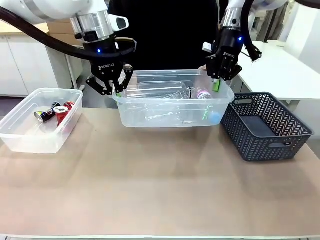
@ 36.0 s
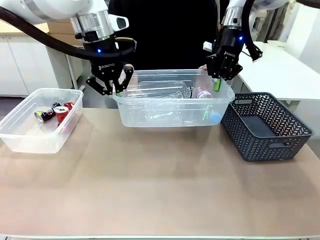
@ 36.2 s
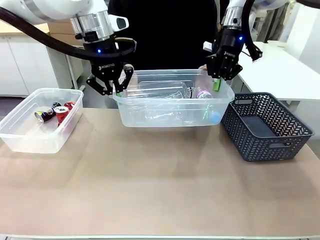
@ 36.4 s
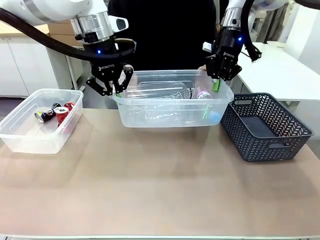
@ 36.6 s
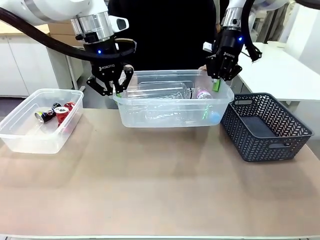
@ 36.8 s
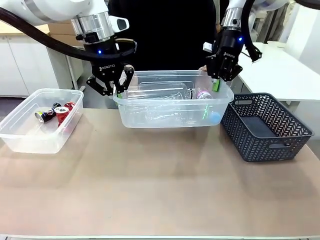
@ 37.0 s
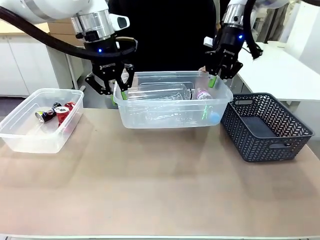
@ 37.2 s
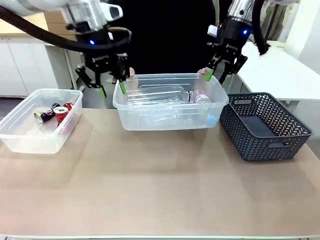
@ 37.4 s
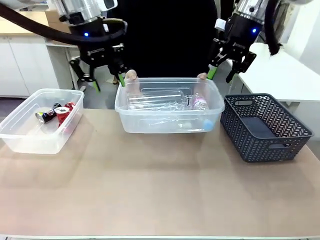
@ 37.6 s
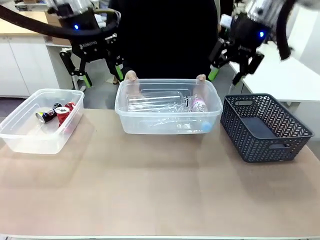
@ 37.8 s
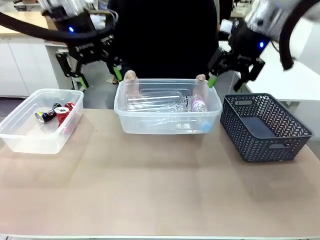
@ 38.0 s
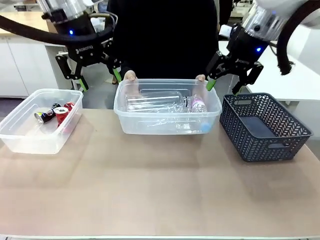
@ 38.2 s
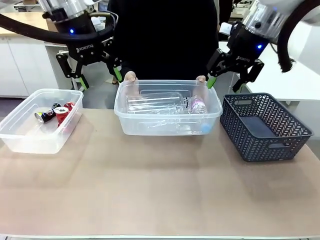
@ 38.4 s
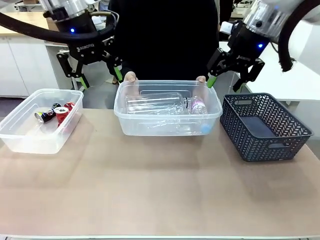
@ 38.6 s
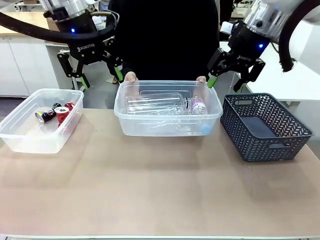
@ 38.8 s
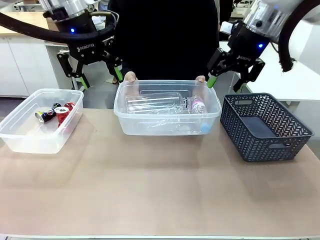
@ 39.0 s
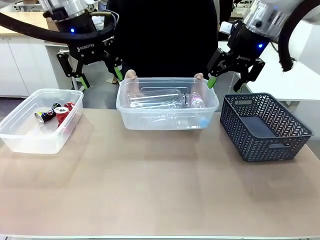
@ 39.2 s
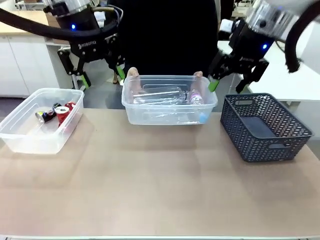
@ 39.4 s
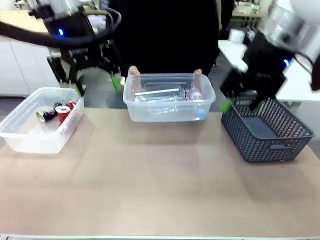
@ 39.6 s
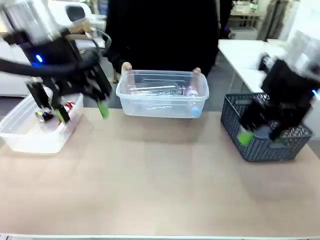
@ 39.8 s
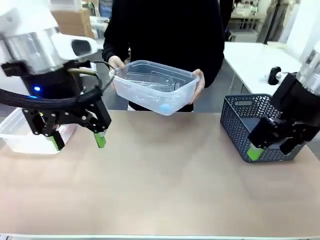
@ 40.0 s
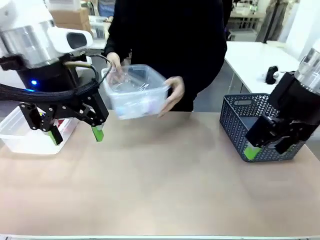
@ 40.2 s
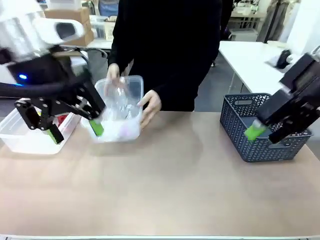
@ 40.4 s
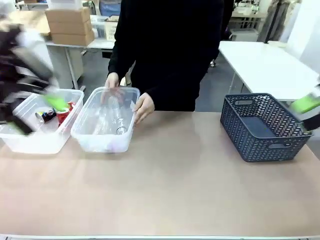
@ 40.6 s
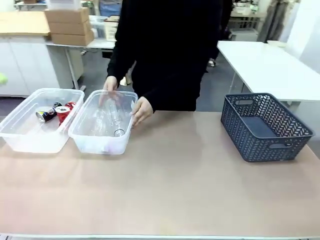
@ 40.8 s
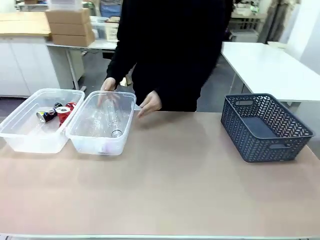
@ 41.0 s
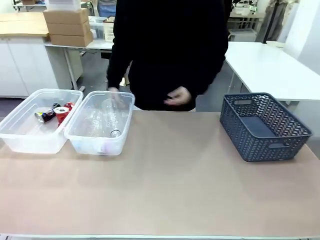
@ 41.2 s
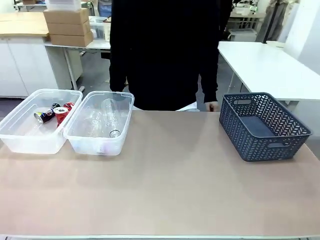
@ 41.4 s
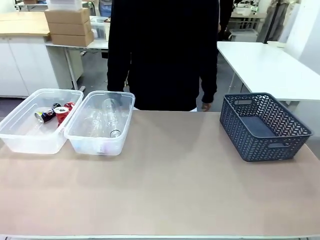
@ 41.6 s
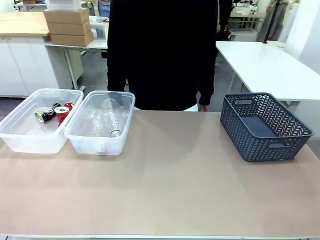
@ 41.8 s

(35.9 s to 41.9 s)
Robot: Release the Organizing box you were holding.
Person: Pick up the organizing box extended by the robot. Place the organizing box to the left of the sorting box containing the can waste.

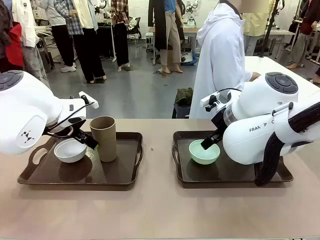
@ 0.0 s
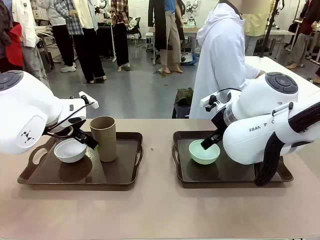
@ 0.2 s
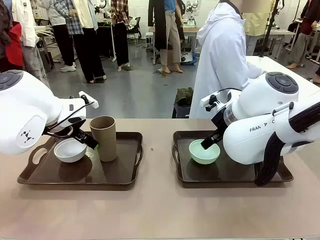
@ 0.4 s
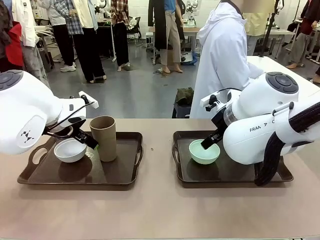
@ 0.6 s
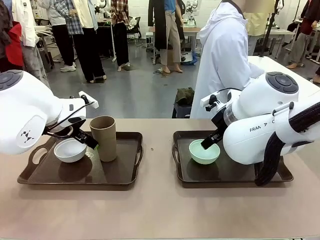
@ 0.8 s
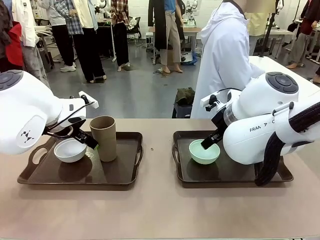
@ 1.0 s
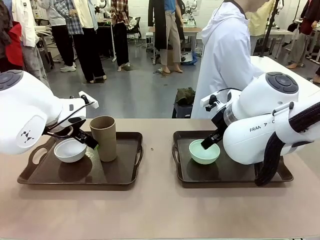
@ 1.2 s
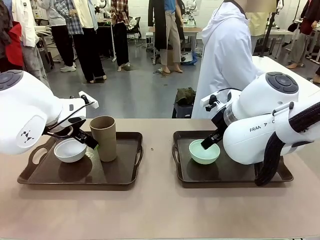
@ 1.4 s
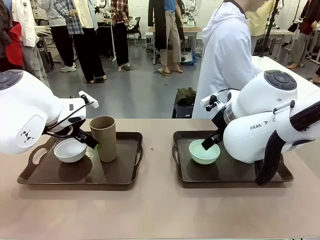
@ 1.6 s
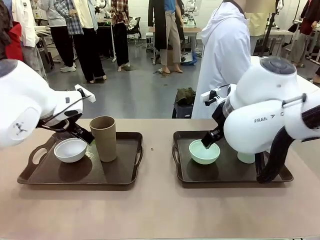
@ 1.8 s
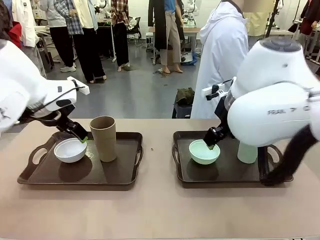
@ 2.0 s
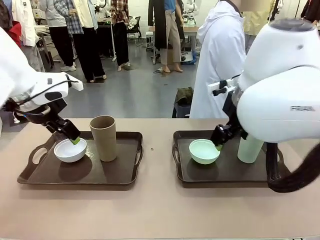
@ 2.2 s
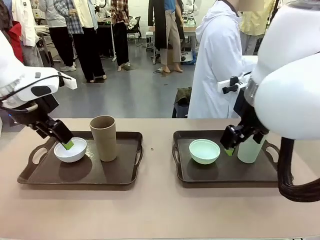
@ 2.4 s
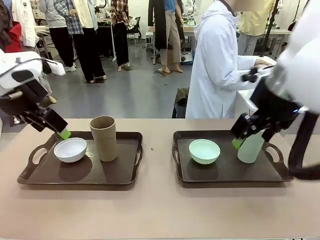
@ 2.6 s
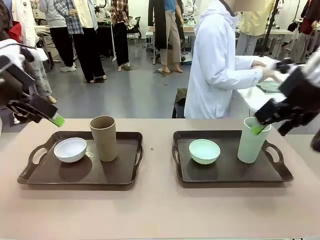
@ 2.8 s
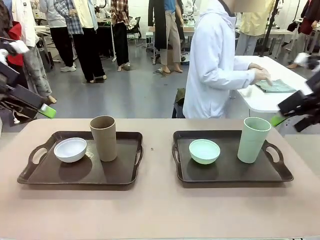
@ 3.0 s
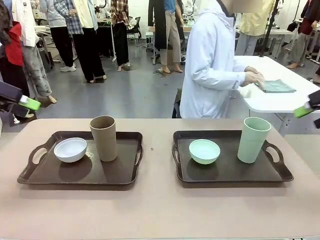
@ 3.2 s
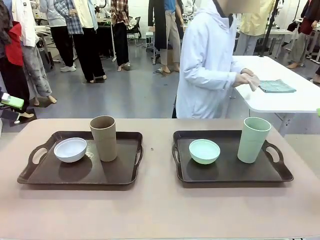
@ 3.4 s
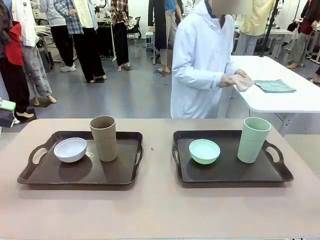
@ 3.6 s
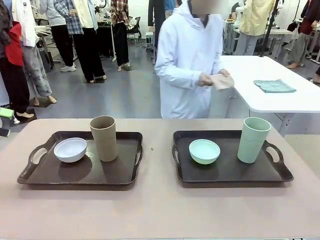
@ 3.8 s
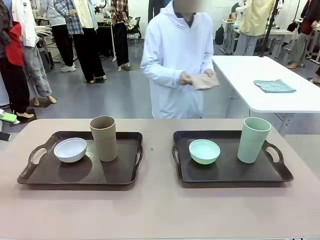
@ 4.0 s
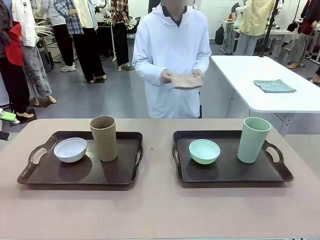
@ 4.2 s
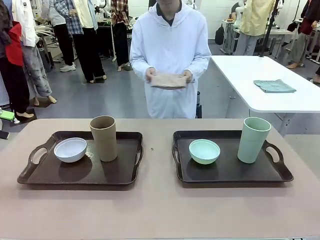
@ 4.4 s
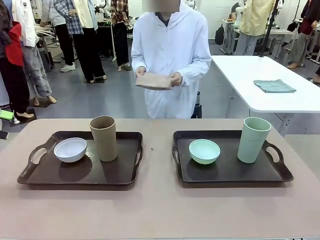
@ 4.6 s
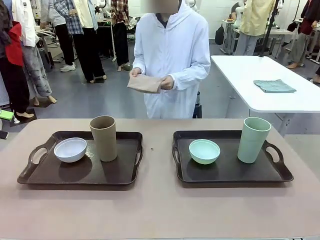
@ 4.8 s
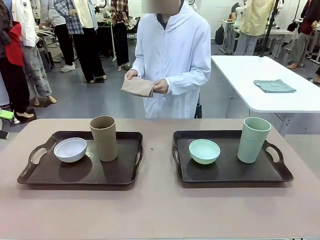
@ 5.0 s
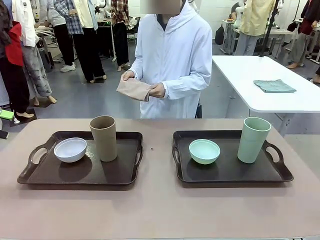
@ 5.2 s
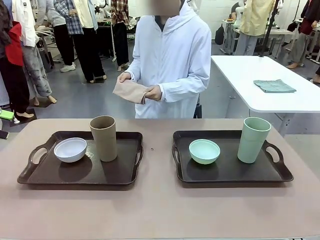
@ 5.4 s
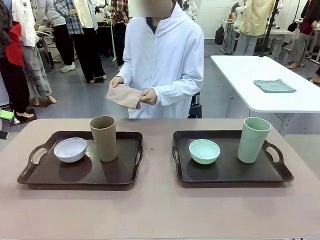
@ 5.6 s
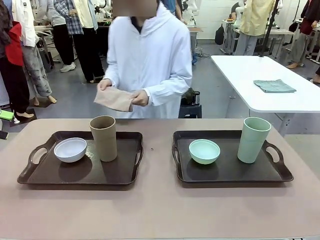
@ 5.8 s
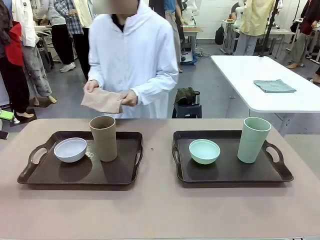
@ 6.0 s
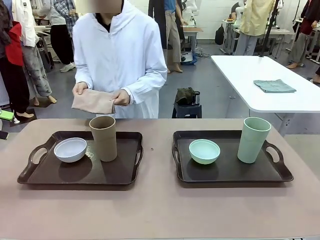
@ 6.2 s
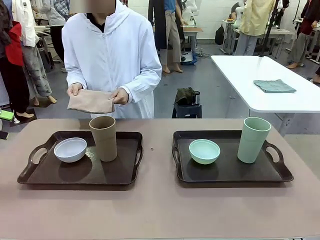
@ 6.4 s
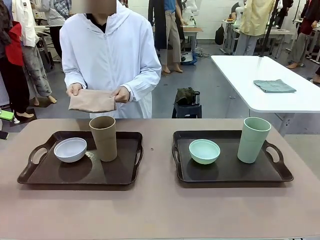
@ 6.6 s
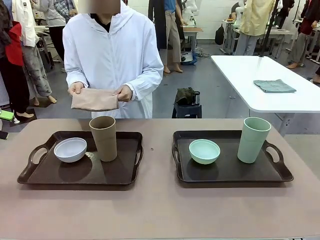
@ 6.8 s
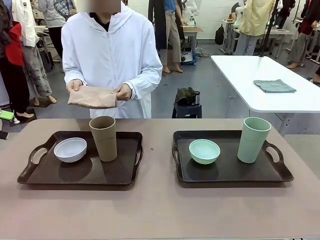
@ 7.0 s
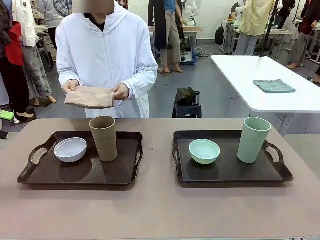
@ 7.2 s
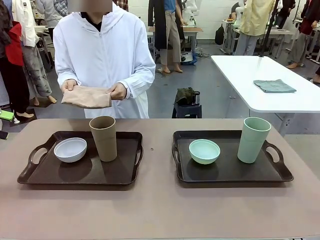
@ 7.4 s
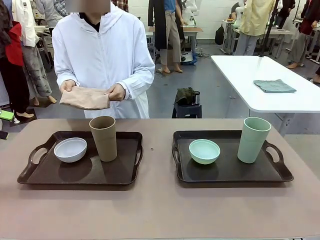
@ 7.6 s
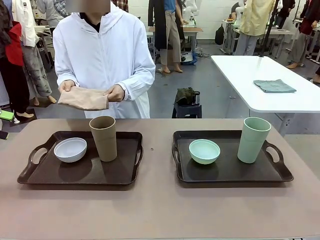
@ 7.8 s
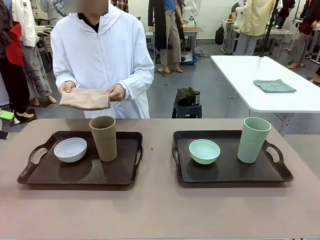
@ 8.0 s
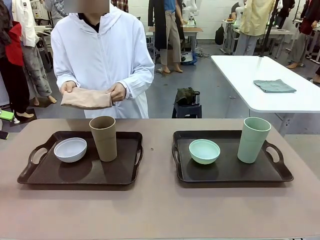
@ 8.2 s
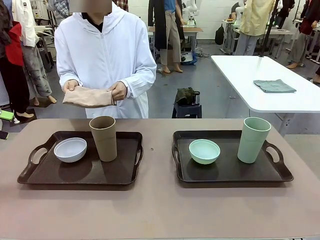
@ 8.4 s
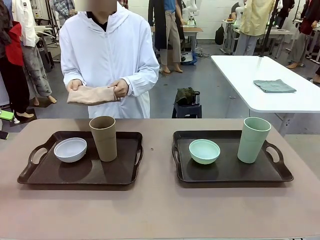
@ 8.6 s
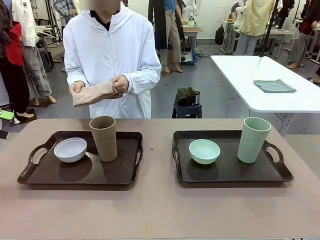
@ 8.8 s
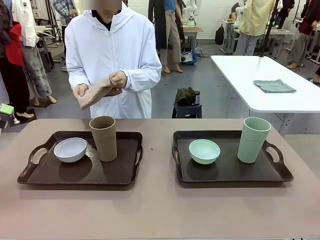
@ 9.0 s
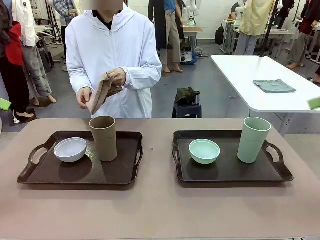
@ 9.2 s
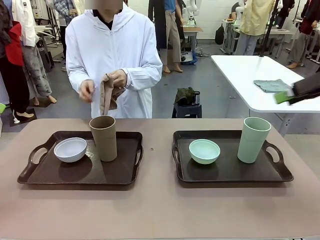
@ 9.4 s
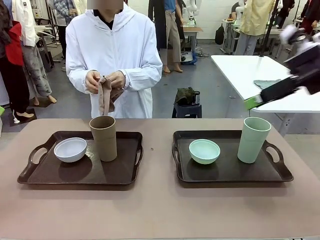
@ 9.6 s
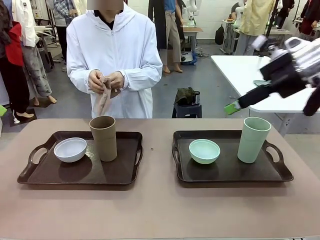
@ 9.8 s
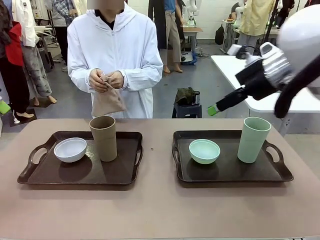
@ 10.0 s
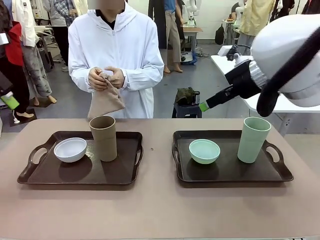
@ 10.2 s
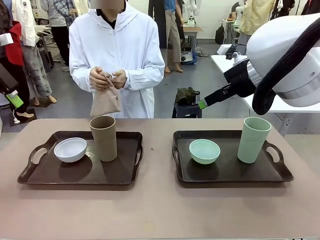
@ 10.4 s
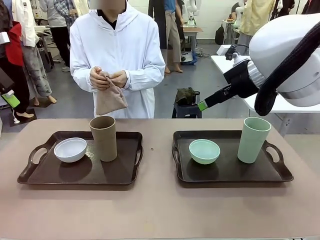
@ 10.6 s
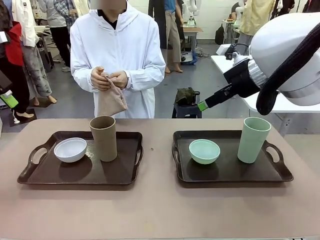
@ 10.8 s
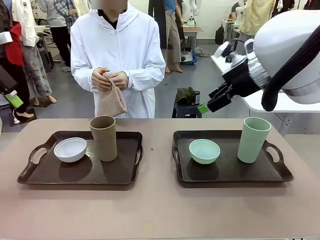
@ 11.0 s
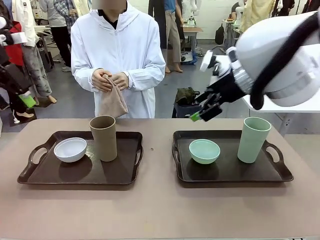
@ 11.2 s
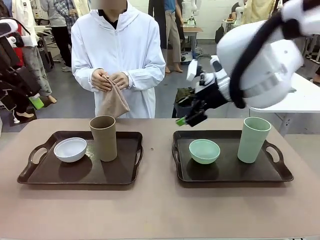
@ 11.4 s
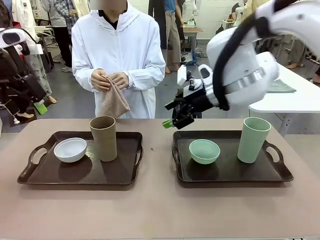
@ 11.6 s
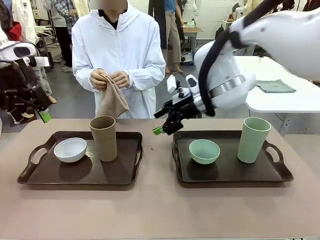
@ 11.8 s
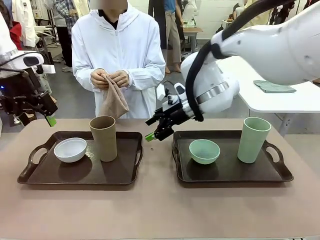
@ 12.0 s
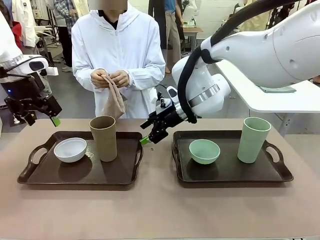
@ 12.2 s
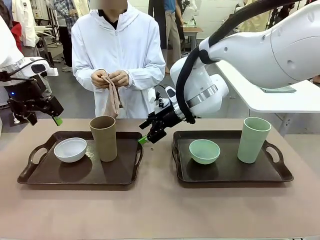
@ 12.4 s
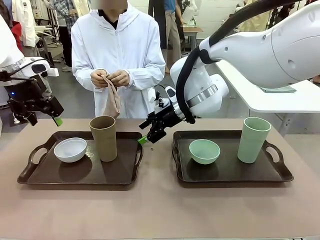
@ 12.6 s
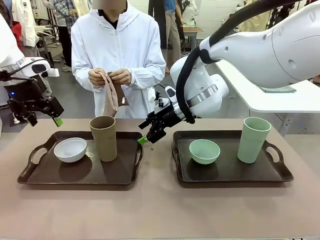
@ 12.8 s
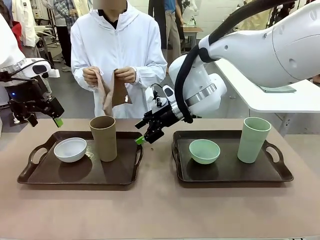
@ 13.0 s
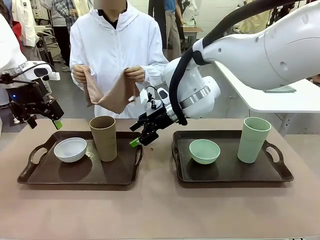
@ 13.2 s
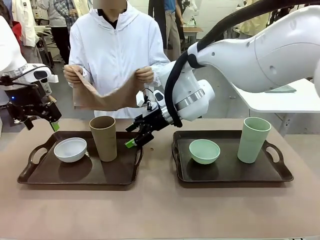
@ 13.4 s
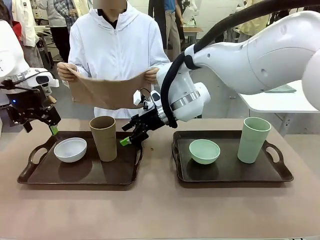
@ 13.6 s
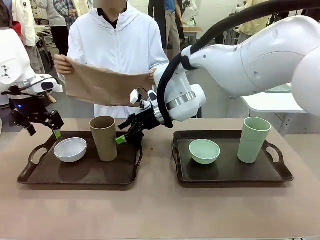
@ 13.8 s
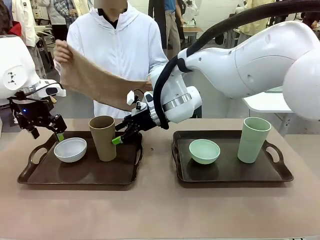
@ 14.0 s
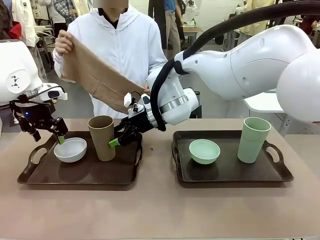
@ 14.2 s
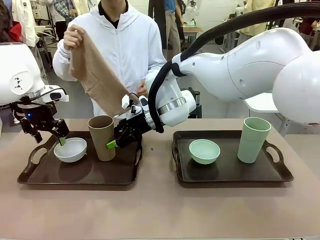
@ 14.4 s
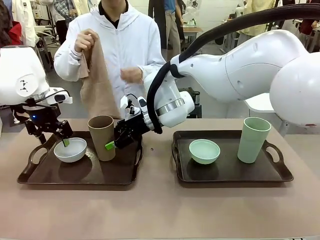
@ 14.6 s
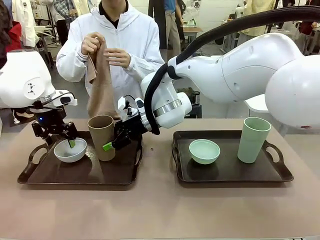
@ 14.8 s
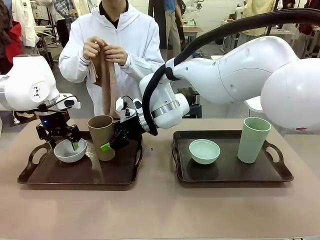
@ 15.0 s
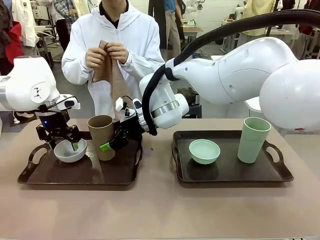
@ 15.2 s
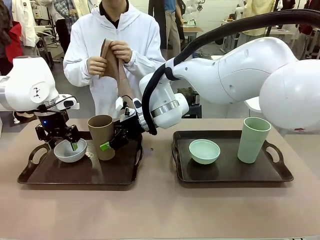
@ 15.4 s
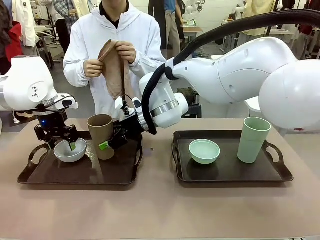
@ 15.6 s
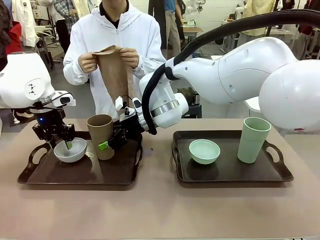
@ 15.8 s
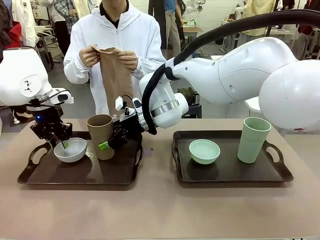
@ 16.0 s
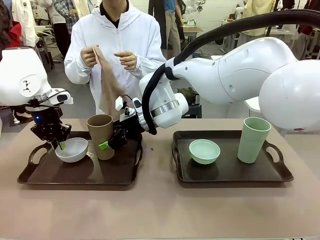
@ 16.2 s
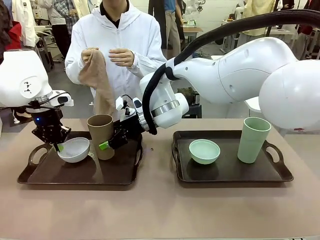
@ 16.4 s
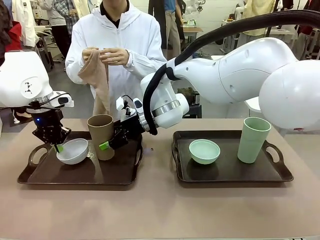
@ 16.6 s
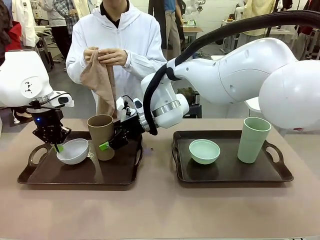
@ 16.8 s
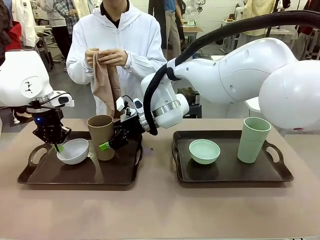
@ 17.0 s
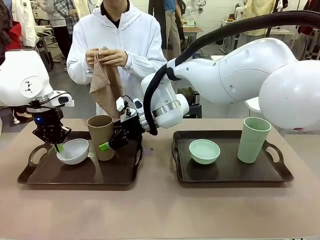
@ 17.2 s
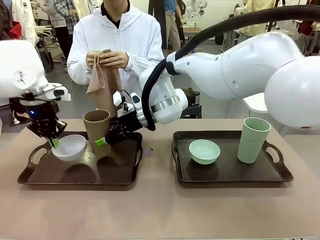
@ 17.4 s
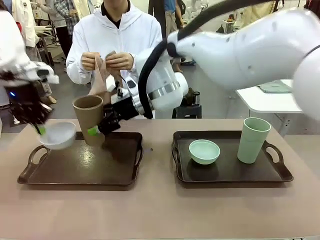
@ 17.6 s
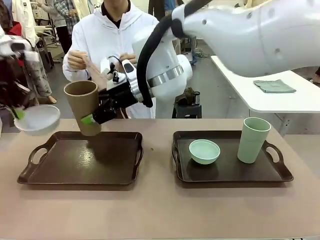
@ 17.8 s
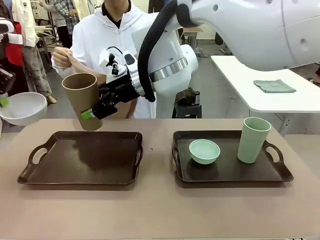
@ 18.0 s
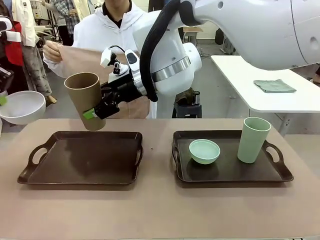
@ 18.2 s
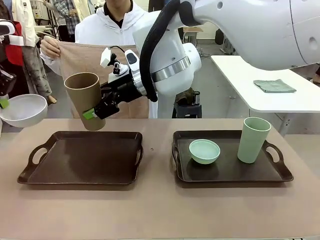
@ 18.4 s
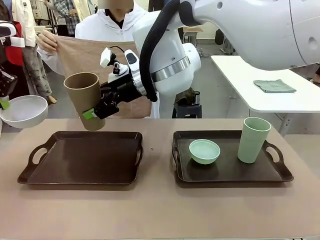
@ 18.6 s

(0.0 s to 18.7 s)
Robot: Pick up the Picnic Bowl and Reusable plastic cup from the Handle tray in front of the human's position and hold them in the air.
Person: The human picks up the top napkin from the stack on the human table and walks to the robot table to stand in front of one of the two trays. When the robot lifts the bowl and the cup, the human unfolds the napkin and lays the napkin flat on the tray.
